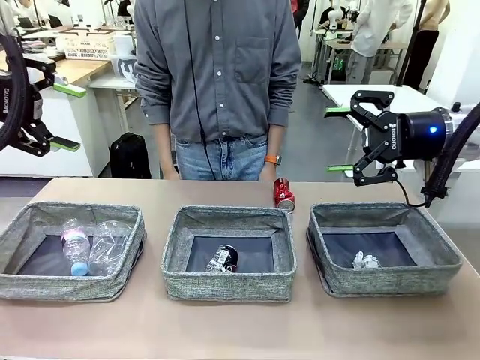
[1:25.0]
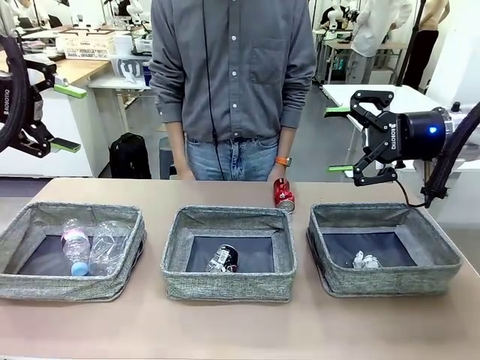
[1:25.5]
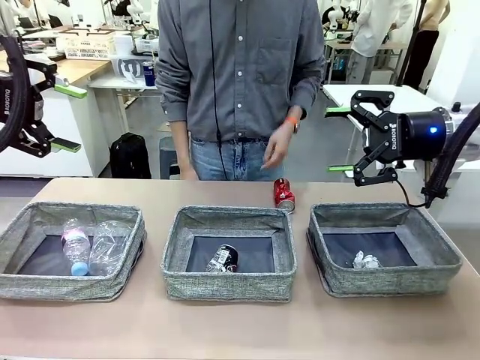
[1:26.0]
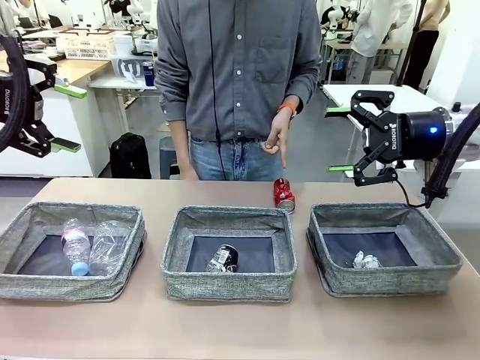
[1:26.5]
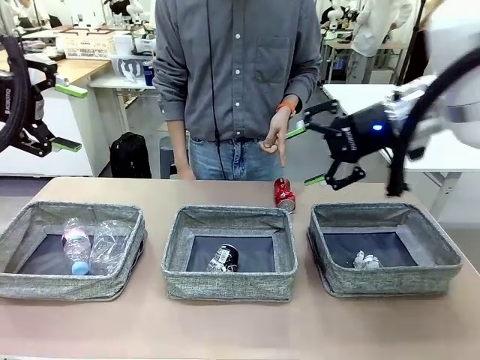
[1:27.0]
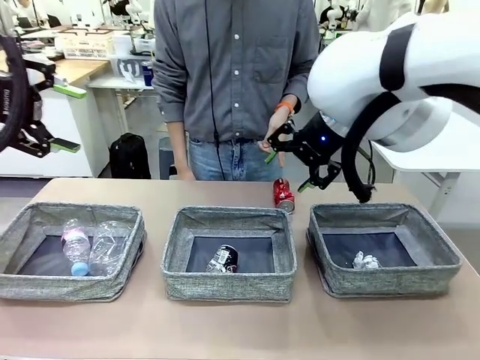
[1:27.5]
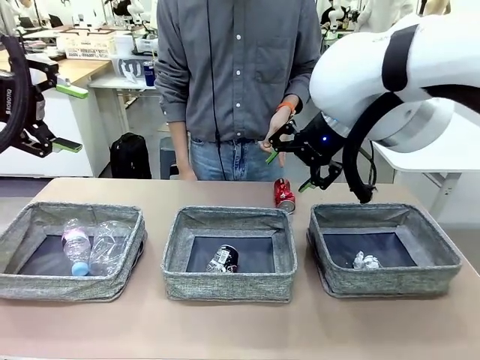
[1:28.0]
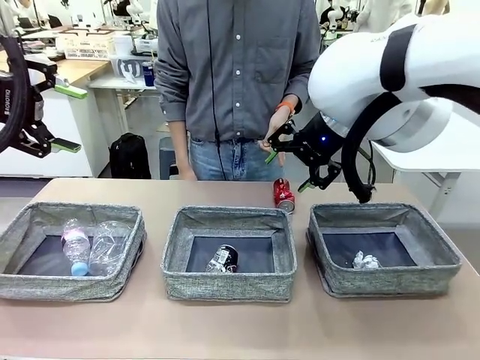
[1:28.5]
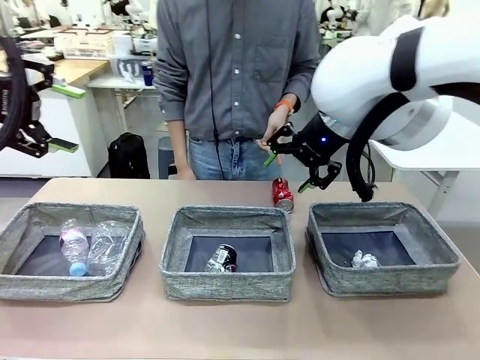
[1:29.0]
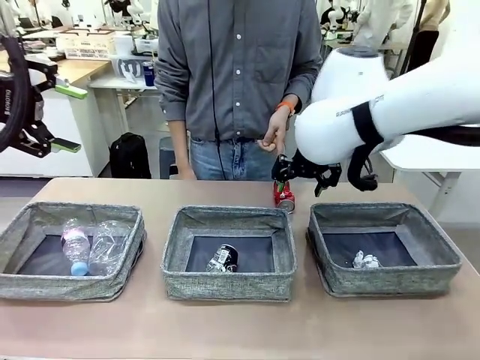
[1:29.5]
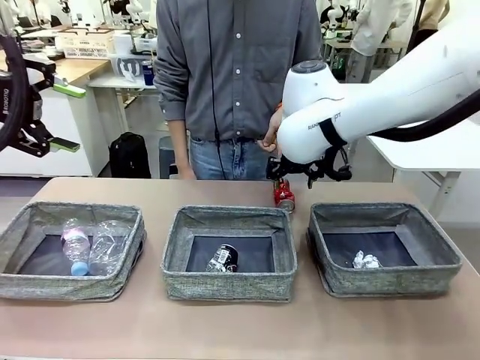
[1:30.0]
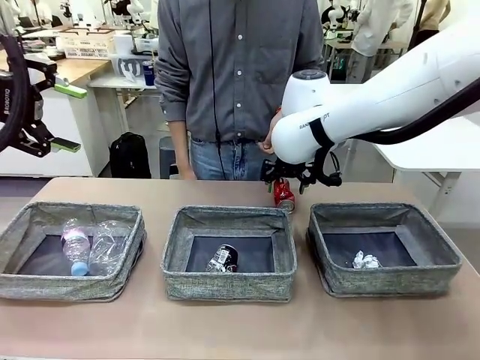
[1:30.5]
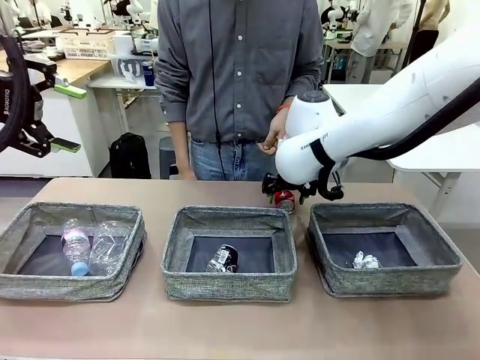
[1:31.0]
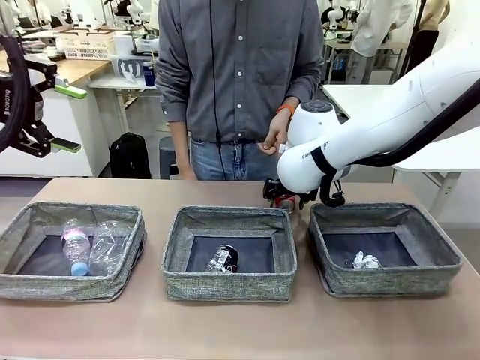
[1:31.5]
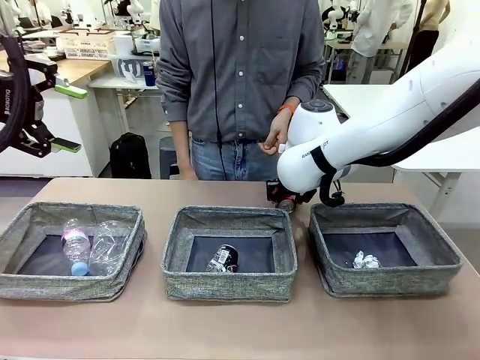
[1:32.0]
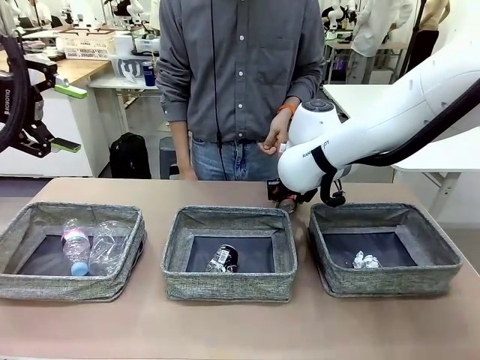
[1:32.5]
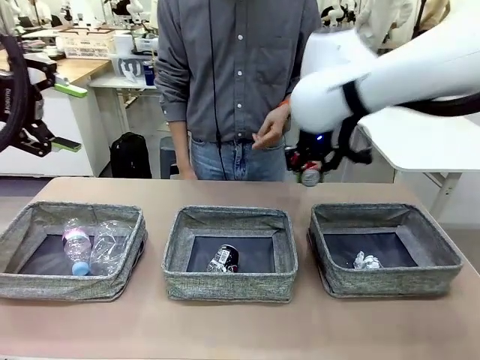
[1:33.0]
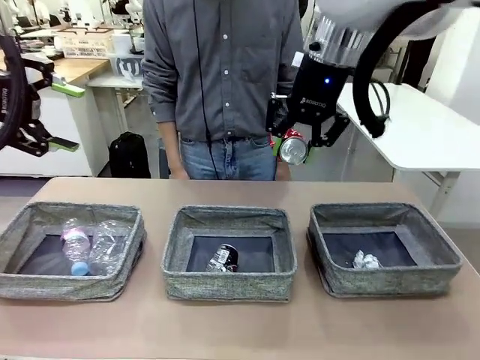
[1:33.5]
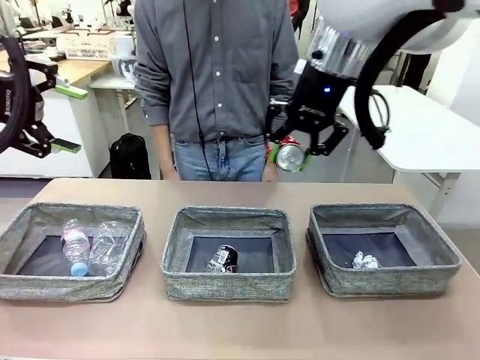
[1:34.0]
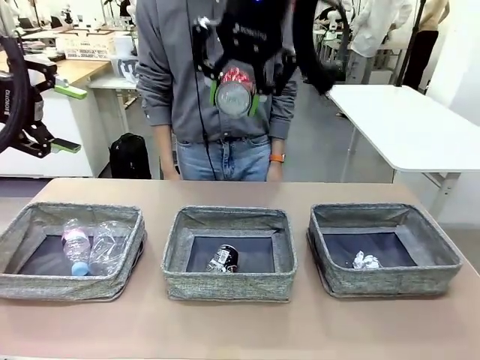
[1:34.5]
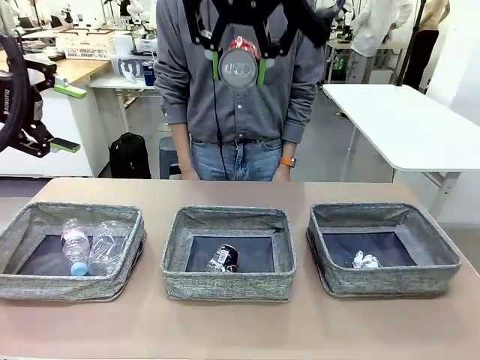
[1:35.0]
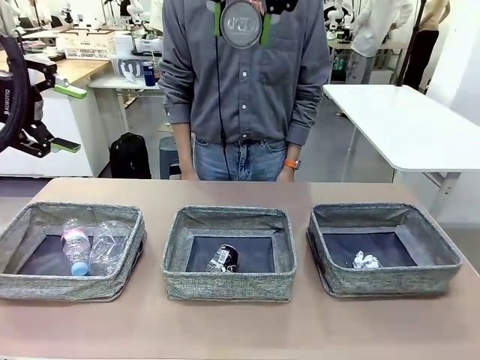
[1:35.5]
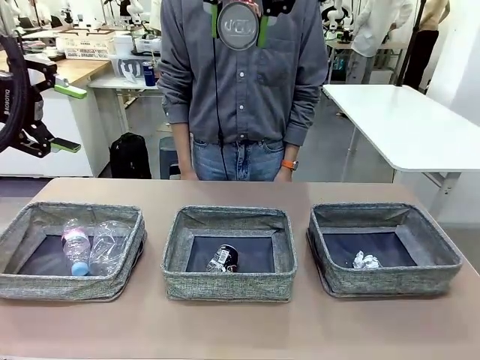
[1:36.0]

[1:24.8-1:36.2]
Task: Sort the waste into the appropriate baskets.
Robot: Pick up the waste item pointed out by the person.
Person: Points to one piece of trash on the table.

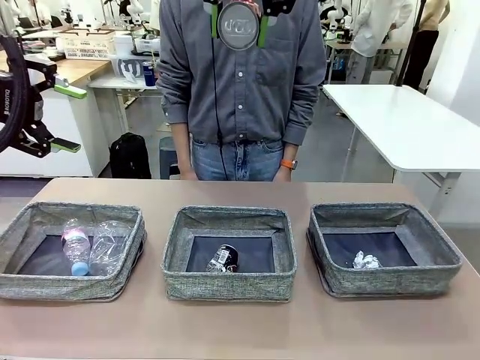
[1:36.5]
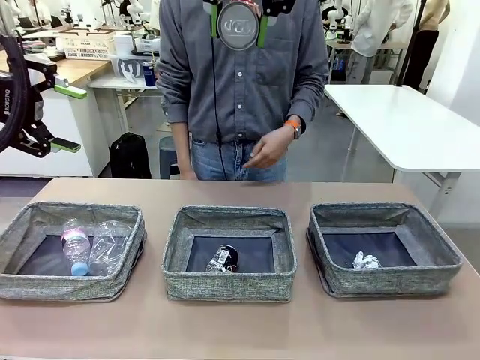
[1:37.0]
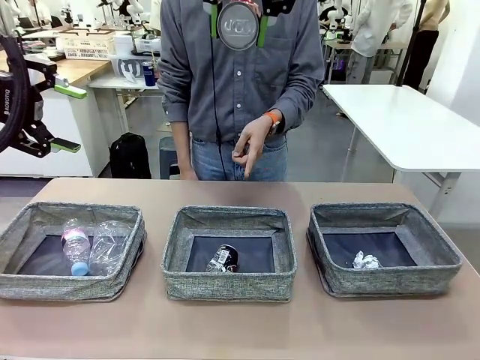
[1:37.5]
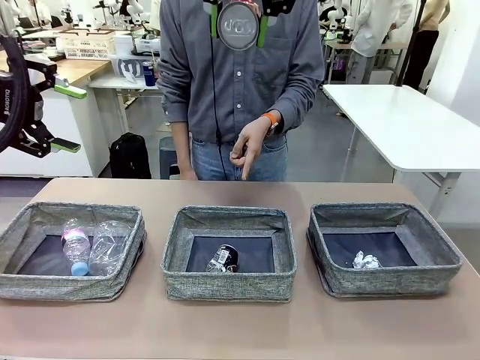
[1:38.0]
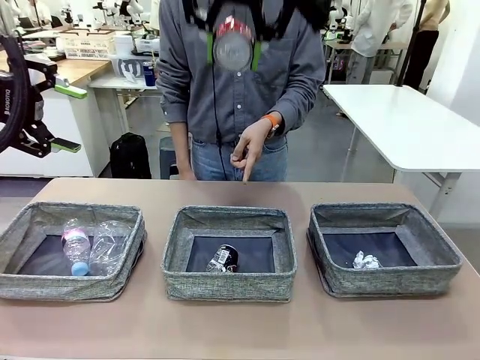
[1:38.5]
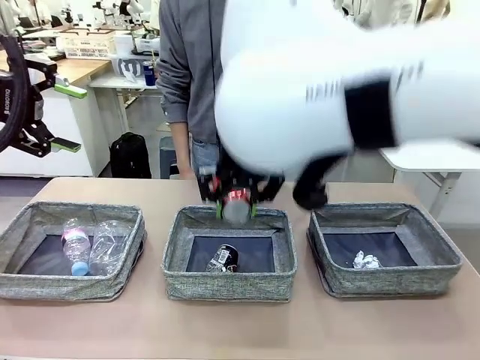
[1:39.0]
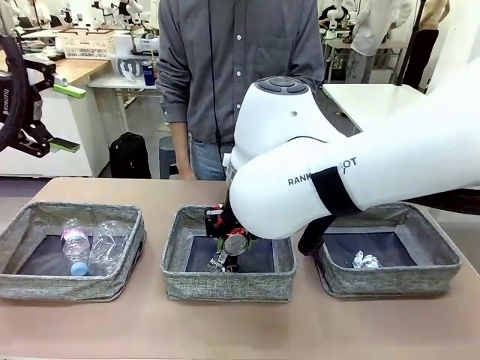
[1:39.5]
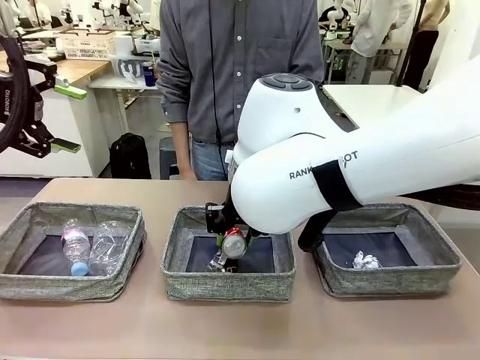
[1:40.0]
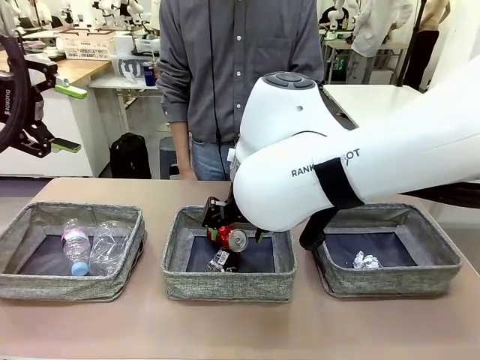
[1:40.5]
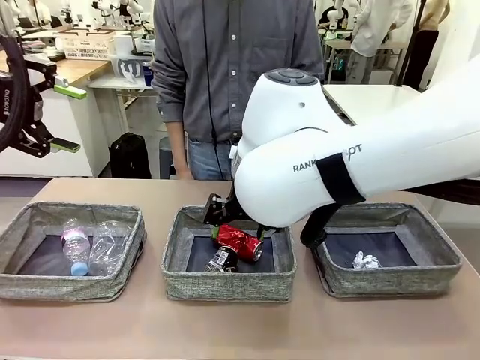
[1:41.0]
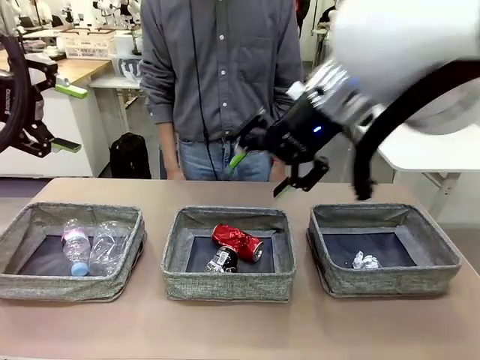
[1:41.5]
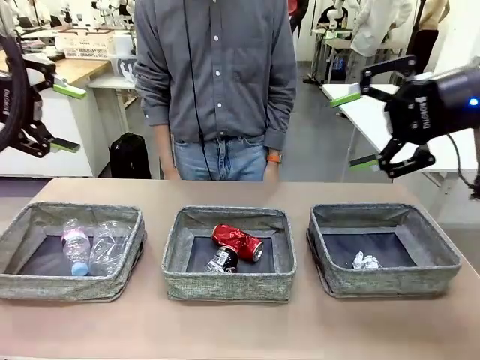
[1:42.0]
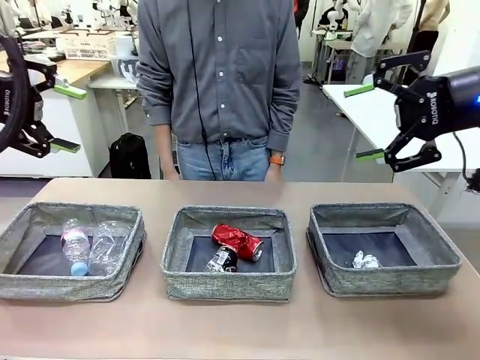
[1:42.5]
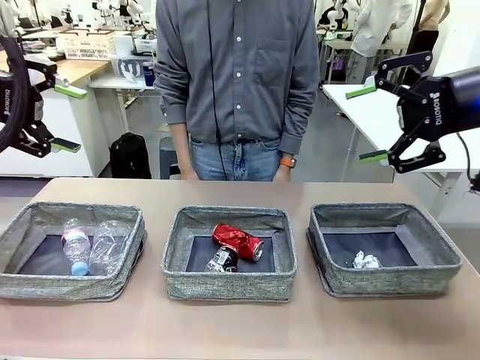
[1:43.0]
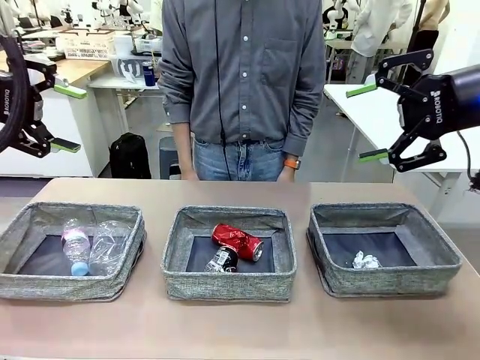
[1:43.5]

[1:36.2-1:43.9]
Robot: Place the picked waste into the Fabric basket indicated by the person.
Person: Instructs the robot to place the picked-up trash into the appropriate organizing basket.
